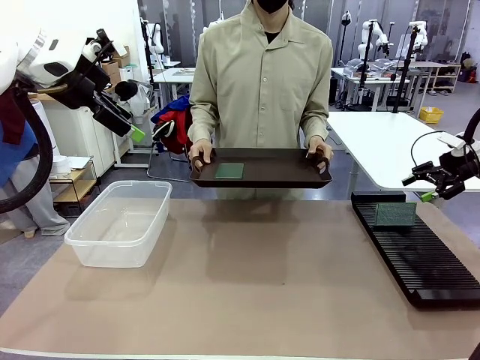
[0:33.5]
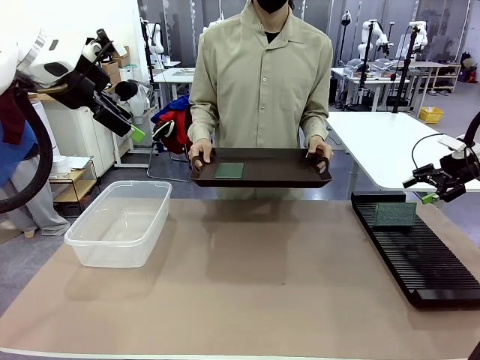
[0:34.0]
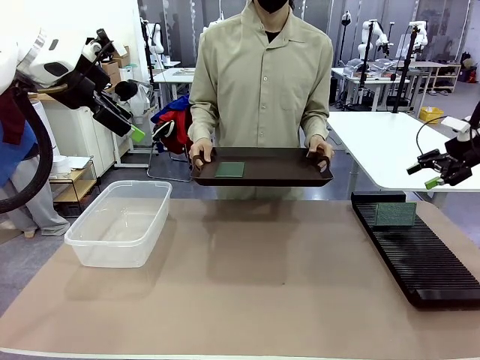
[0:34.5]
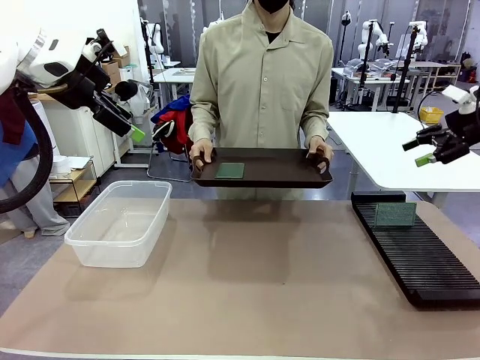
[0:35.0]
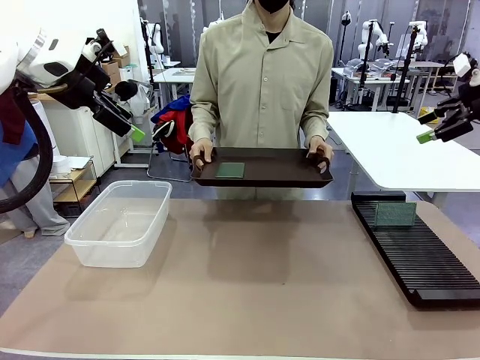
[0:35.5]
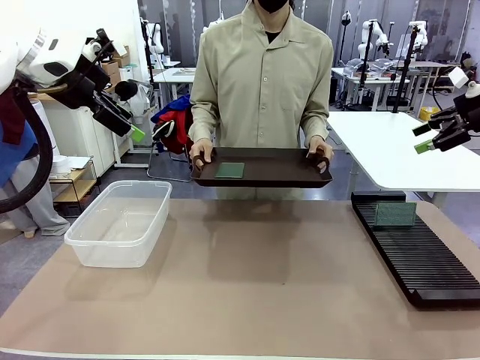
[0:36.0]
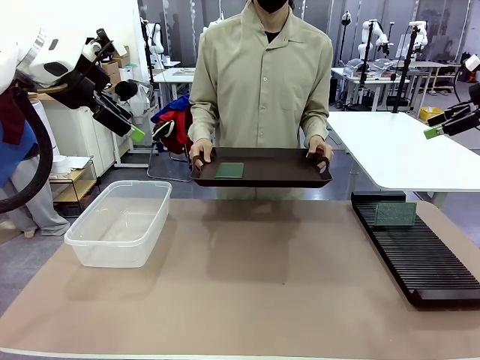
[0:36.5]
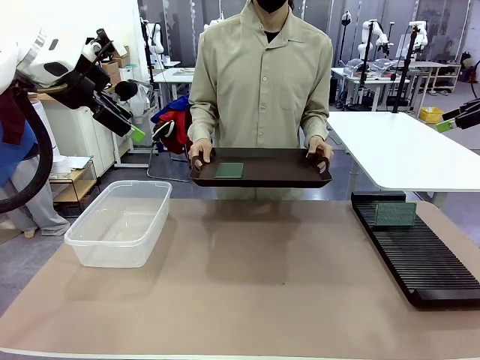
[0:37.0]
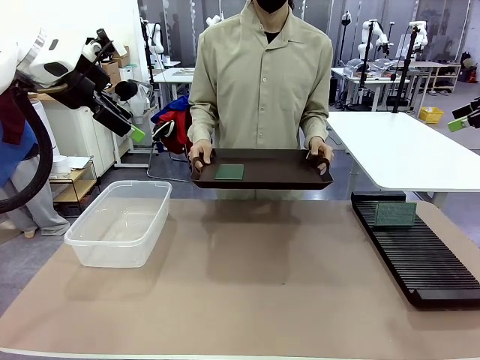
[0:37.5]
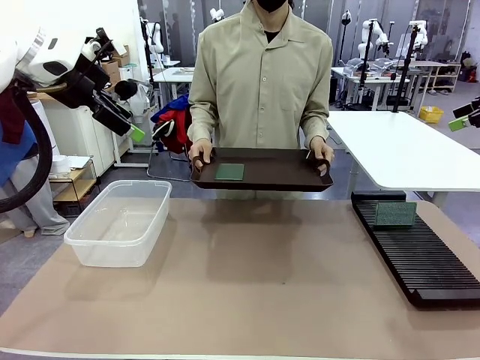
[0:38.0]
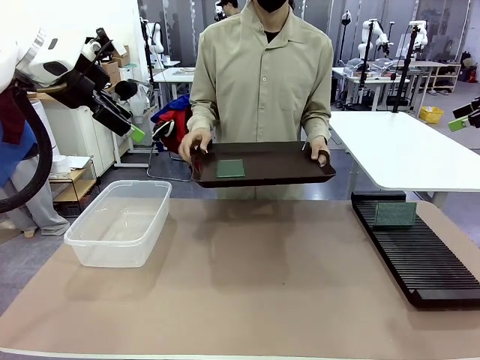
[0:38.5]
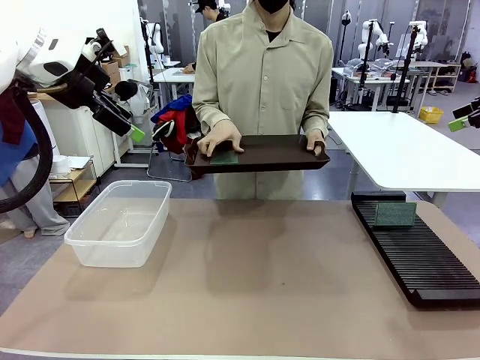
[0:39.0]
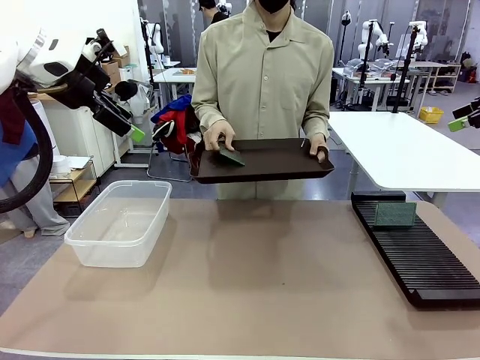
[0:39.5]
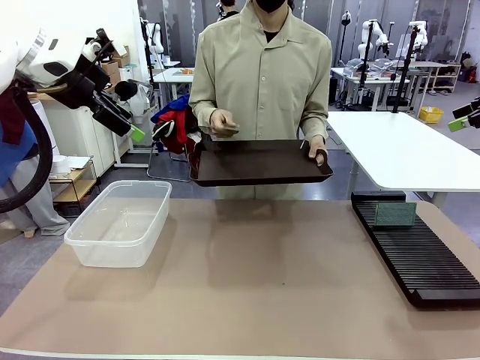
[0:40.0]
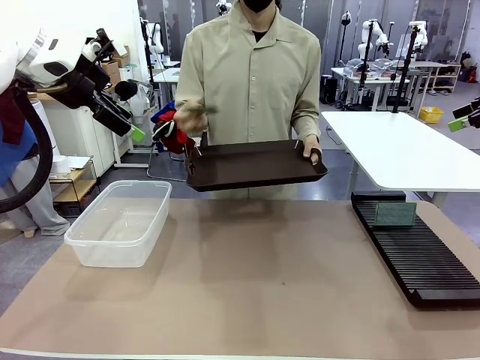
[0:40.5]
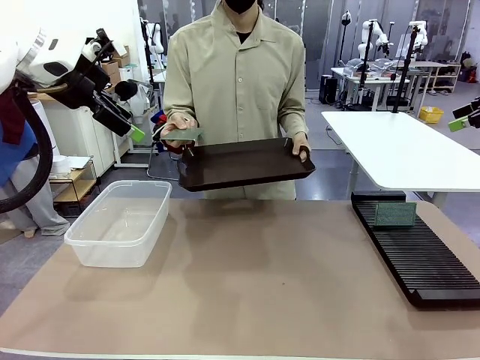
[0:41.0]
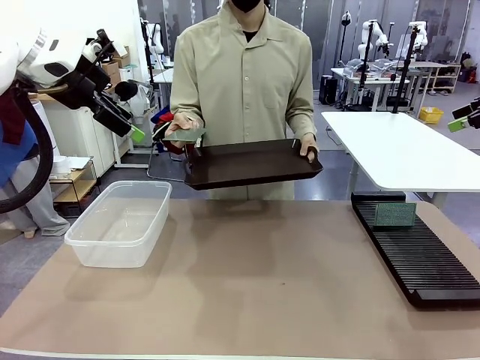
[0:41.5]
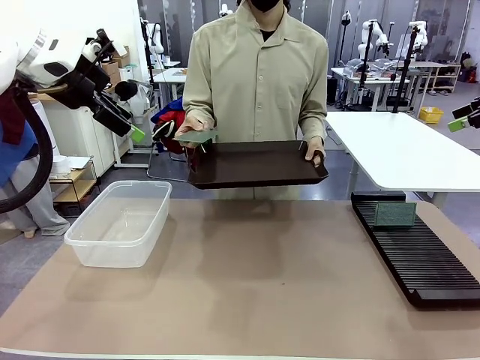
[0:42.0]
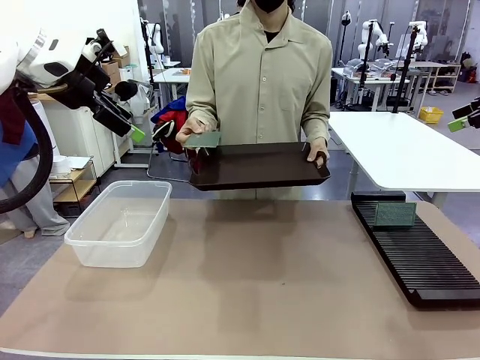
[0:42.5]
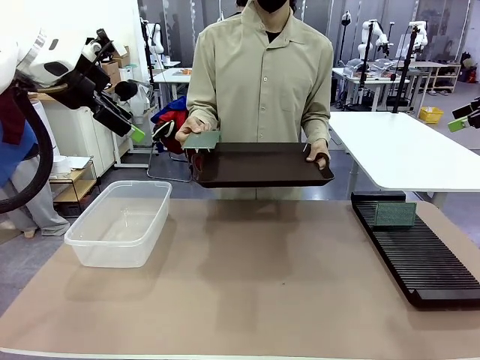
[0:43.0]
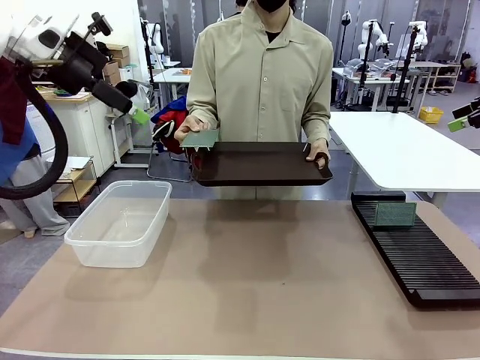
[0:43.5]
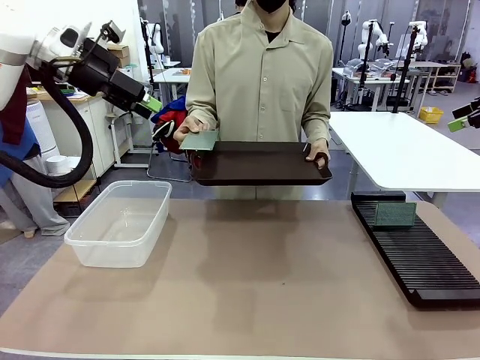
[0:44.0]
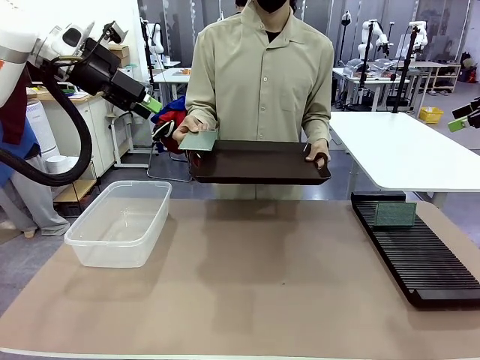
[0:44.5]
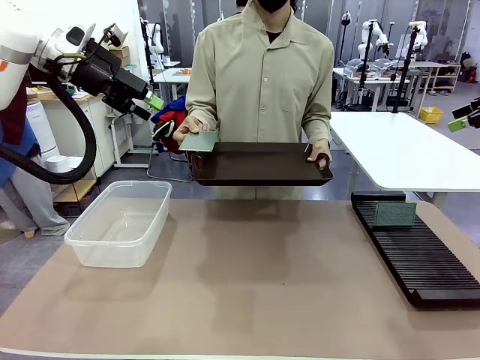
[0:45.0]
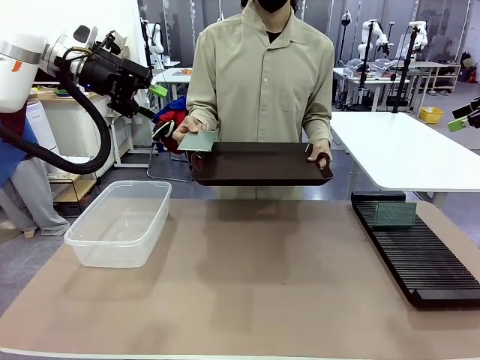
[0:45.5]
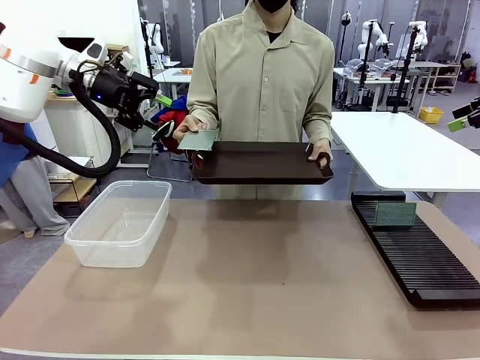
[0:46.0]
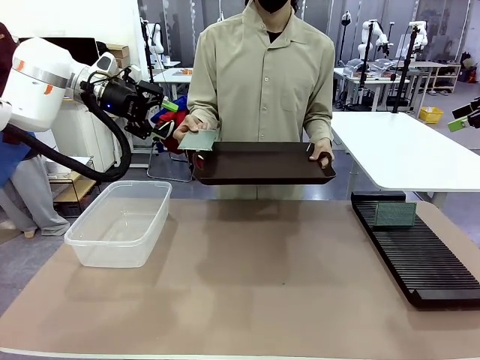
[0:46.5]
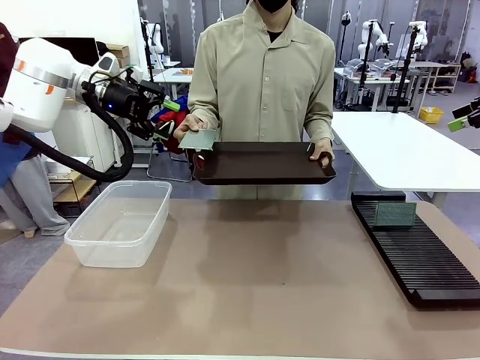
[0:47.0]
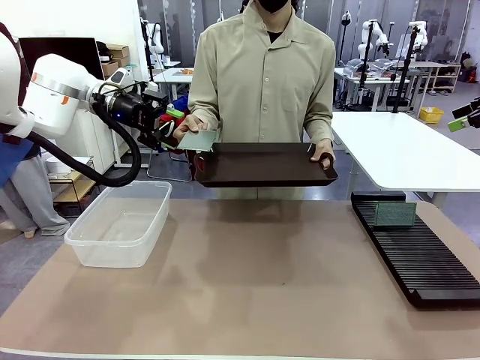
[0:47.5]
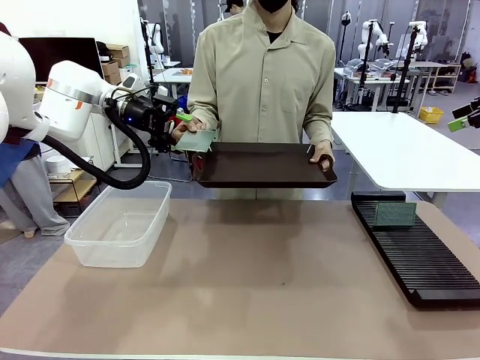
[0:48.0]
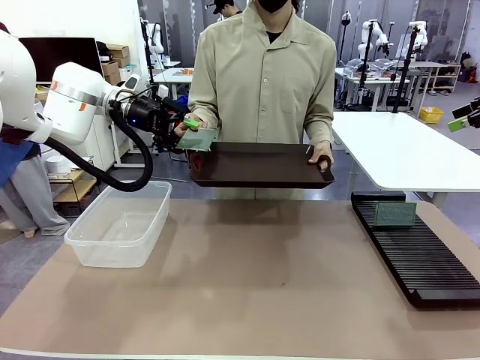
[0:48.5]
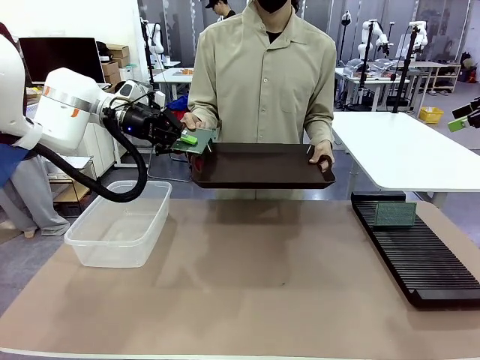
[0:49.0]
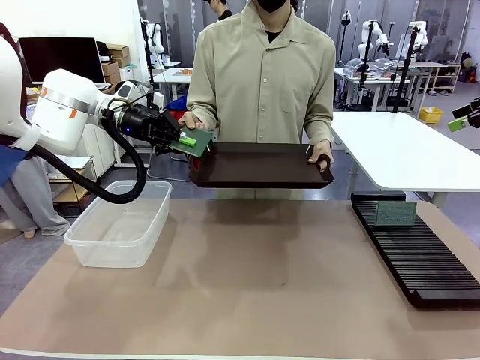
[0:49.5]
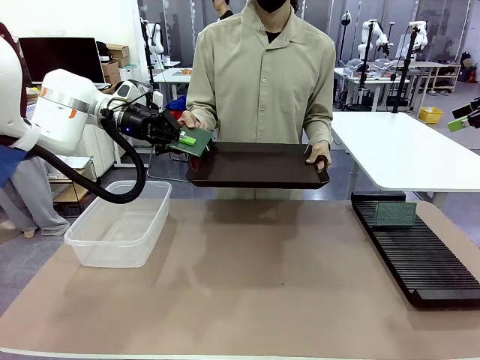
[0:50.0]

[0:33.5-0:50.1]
Task: Sort PCBs into racks and boxes based on the side picked up.
Robot: Pick up the Blank PCB handed by the Human.

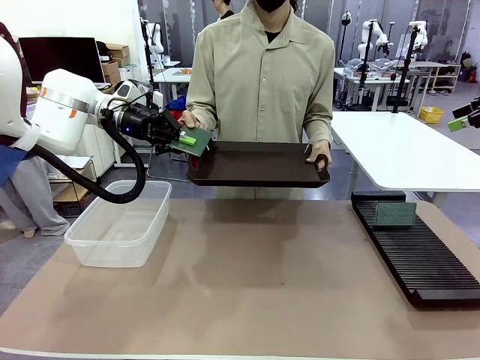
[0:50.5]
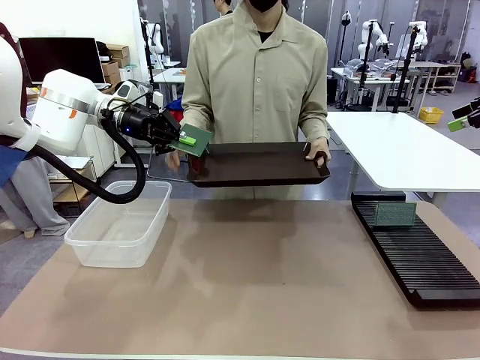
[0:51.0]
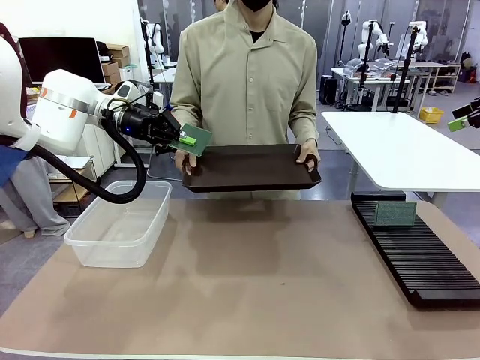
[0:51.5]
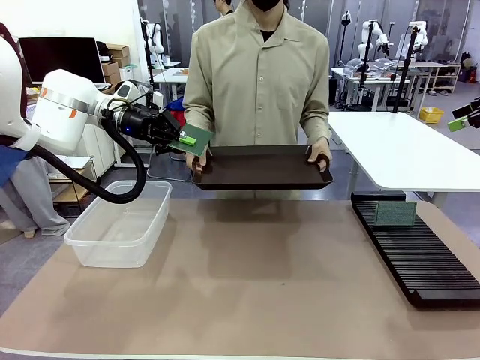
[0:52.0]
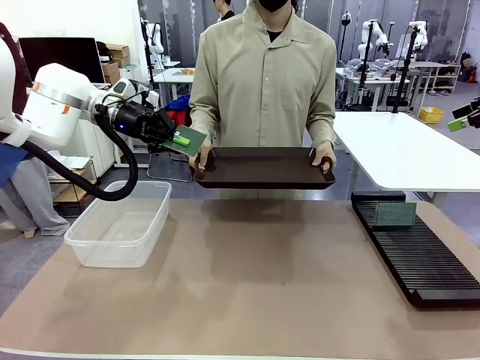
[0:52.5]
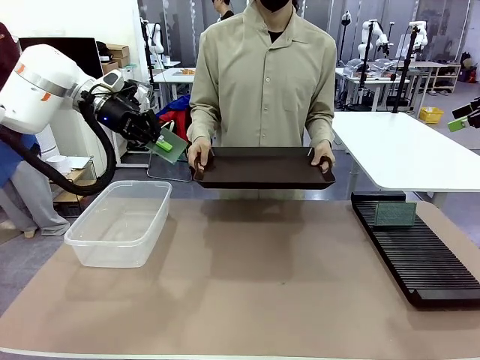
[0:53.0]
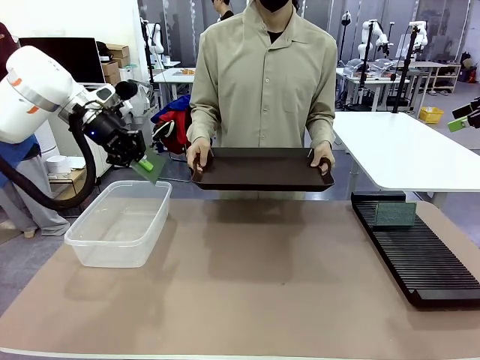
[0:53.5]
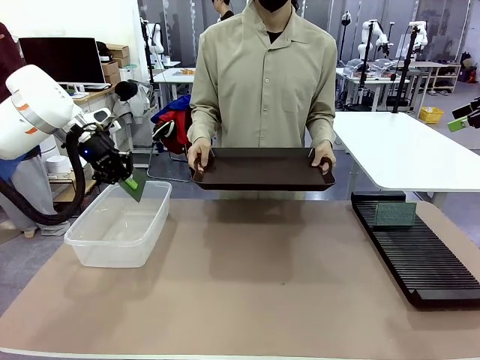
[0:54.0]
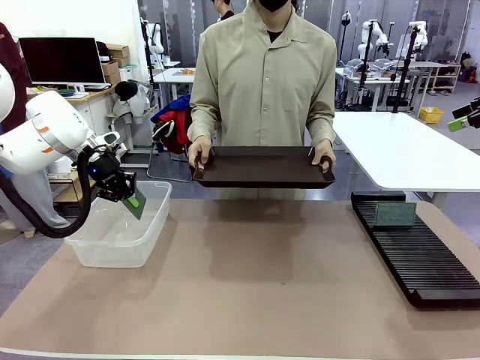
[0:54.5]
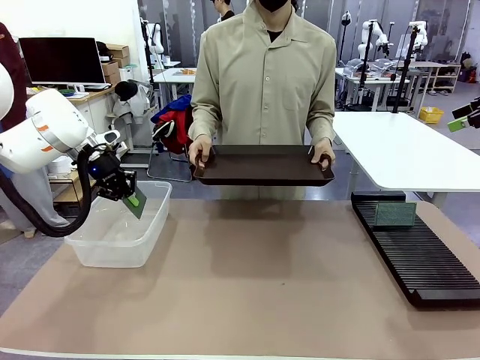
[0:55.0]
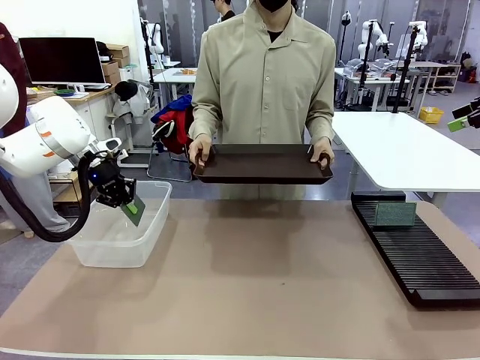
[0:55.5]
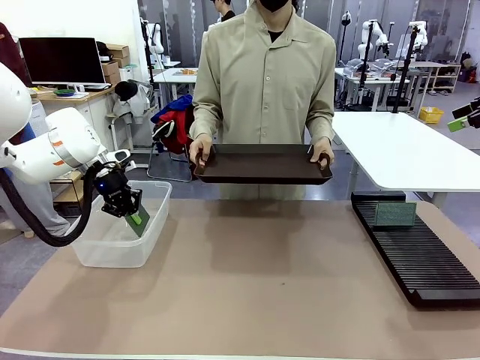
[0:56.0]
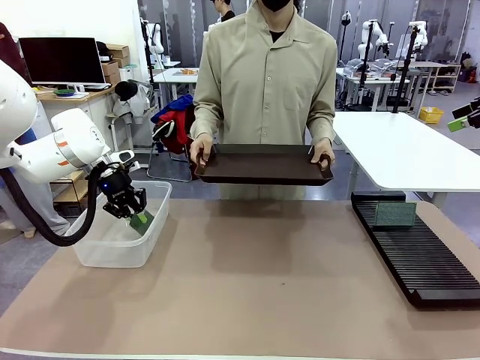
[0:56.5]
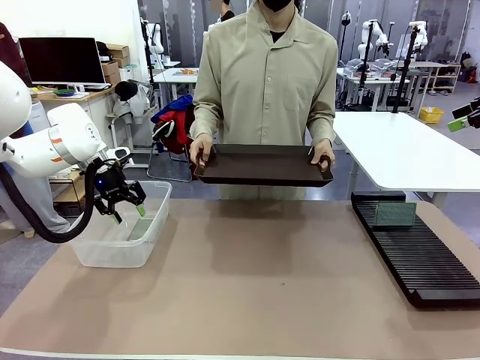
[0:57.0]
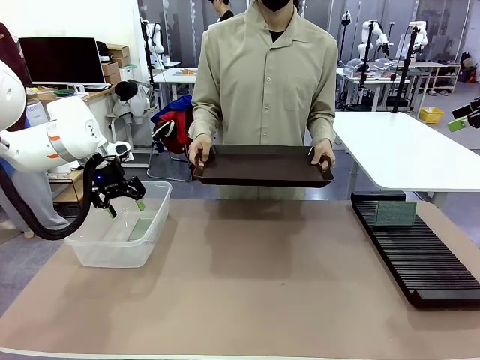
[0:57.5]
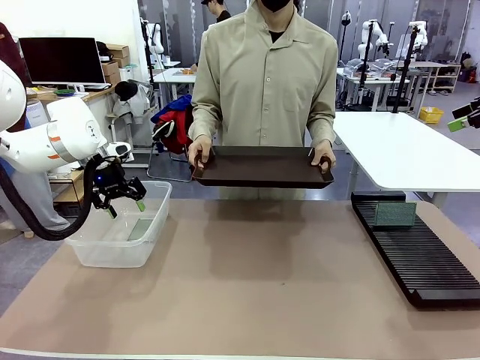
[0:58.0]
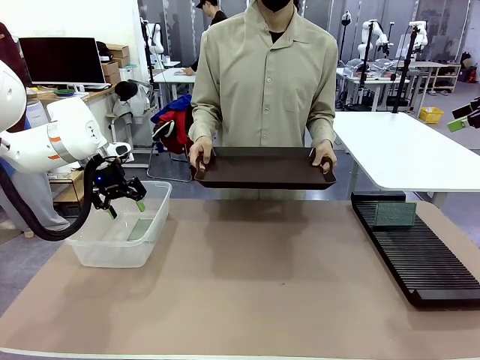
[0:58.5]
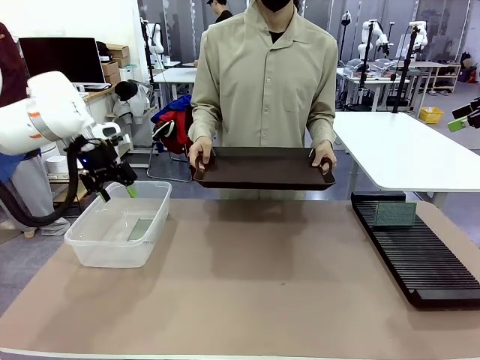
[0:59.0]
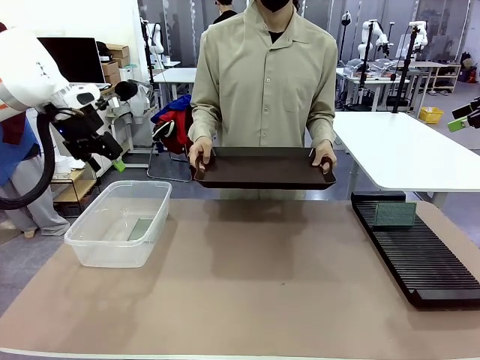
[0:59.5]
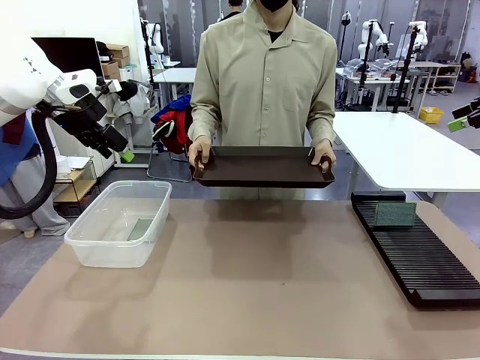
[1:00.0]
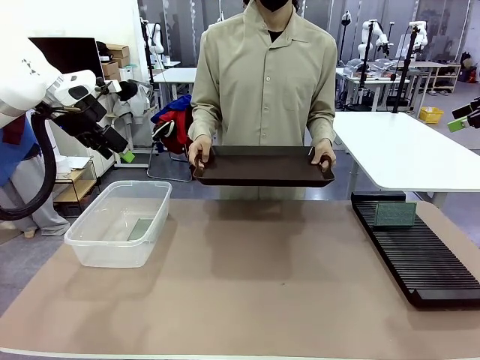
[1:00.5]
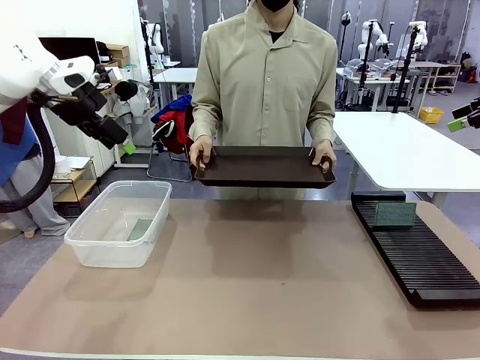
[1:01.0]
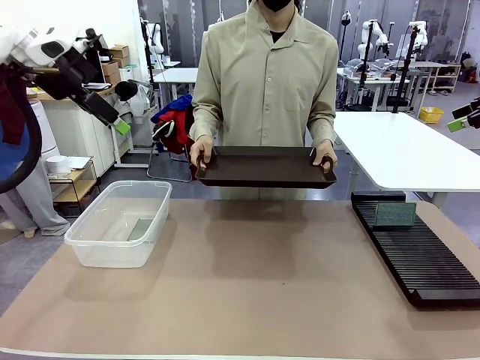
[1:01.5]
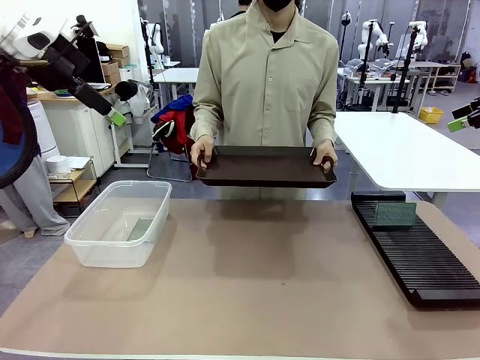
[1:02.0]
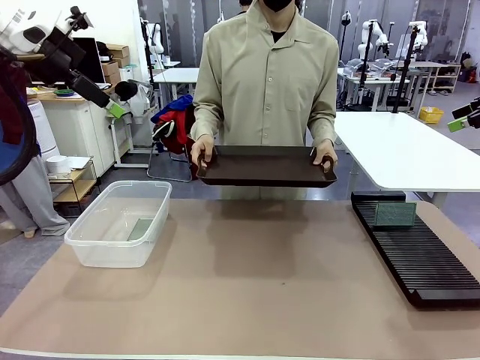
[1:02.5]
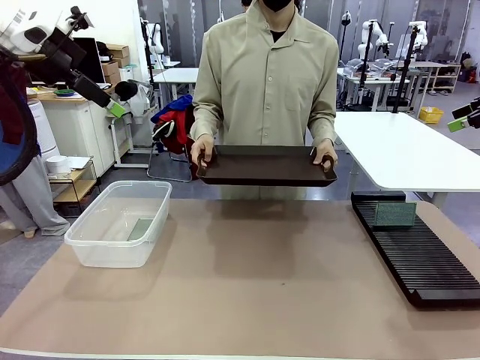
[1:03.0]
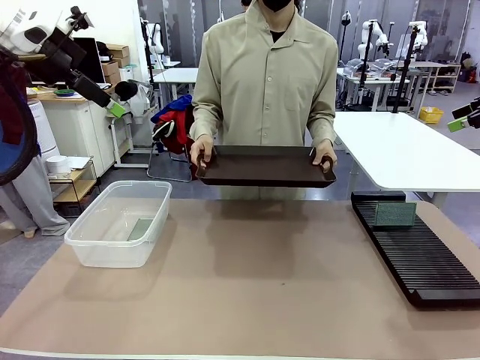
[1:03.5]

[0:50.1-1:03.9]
Robot: If the short side of the Blank PCB is picked up, insert it into the PCB Rack ; if the long side is picked up, place it in the Organizing box.
Person: Release the PCB being held.
